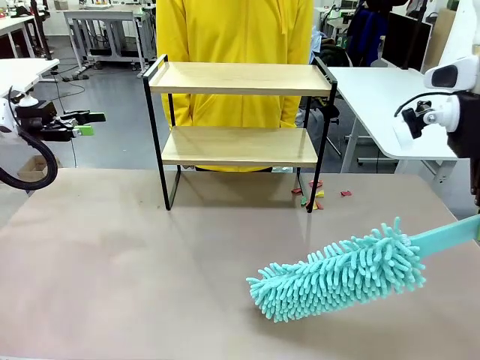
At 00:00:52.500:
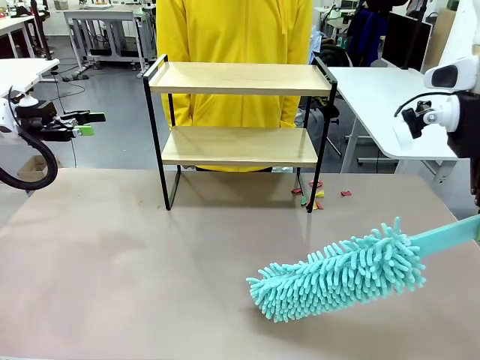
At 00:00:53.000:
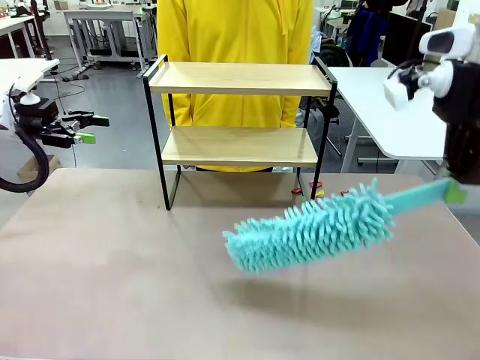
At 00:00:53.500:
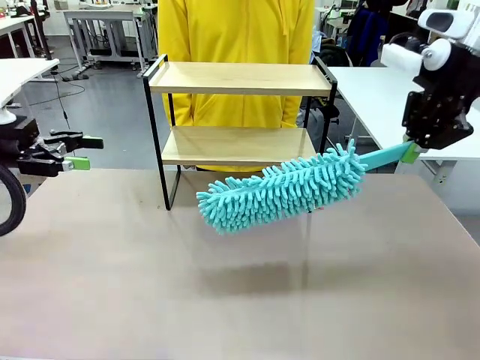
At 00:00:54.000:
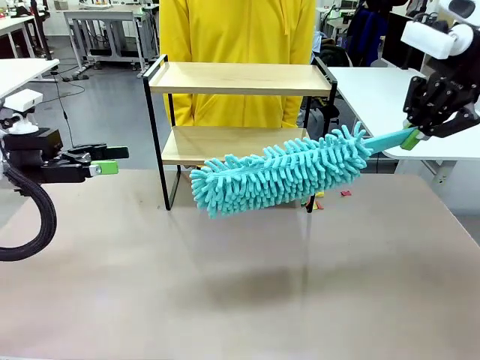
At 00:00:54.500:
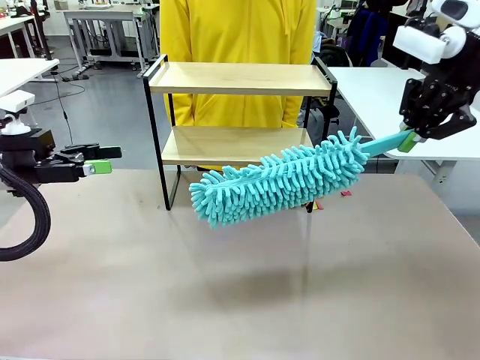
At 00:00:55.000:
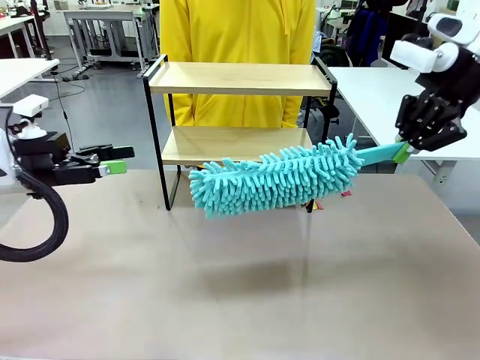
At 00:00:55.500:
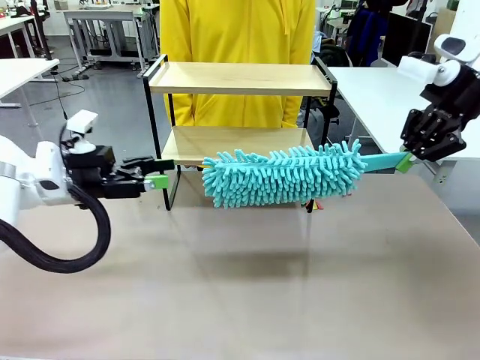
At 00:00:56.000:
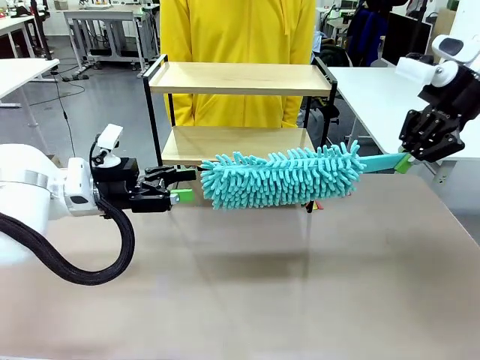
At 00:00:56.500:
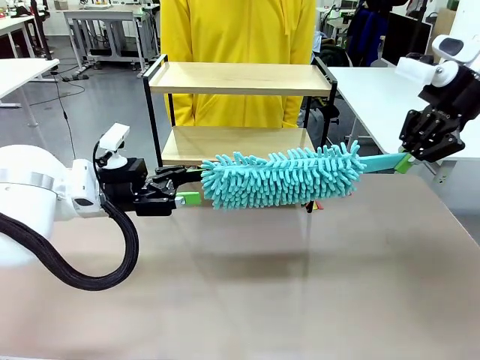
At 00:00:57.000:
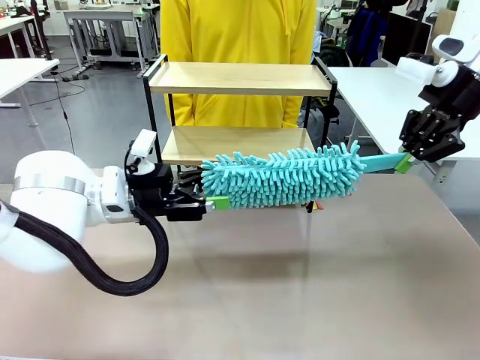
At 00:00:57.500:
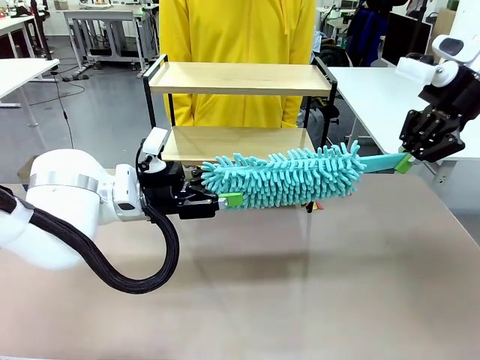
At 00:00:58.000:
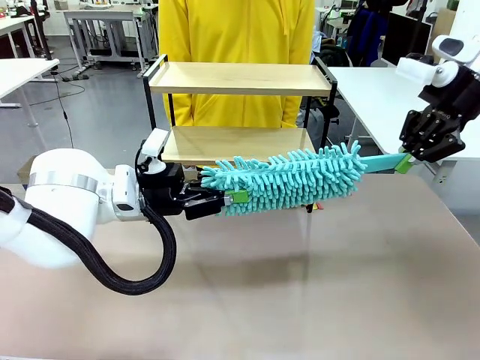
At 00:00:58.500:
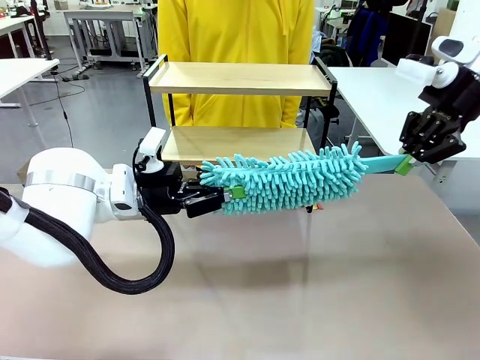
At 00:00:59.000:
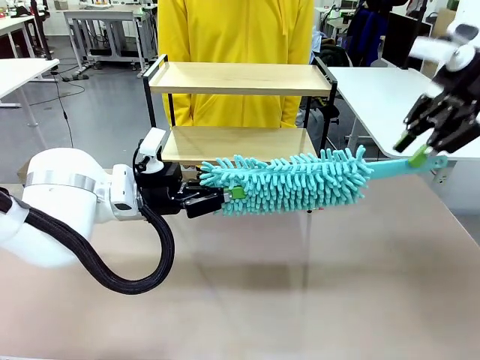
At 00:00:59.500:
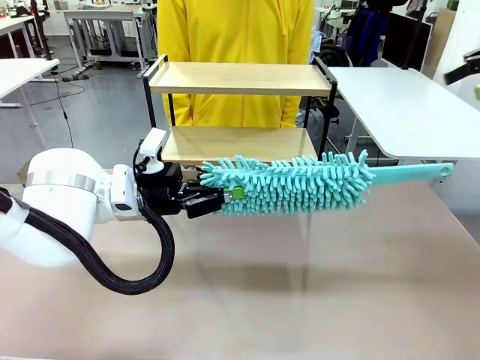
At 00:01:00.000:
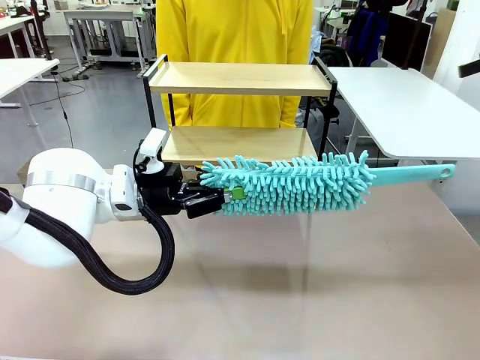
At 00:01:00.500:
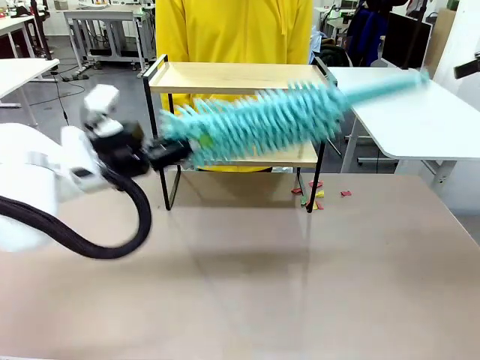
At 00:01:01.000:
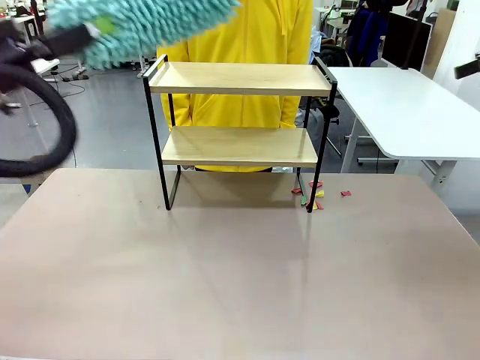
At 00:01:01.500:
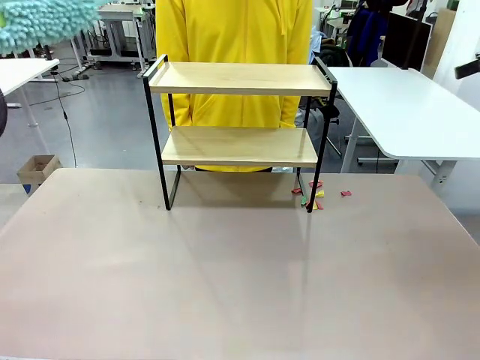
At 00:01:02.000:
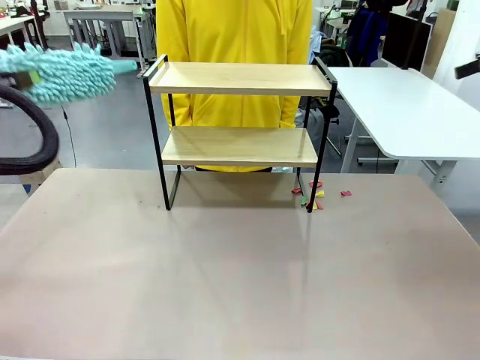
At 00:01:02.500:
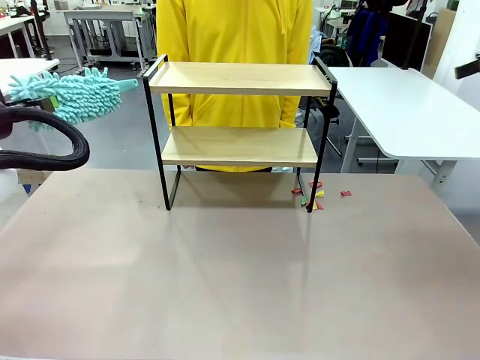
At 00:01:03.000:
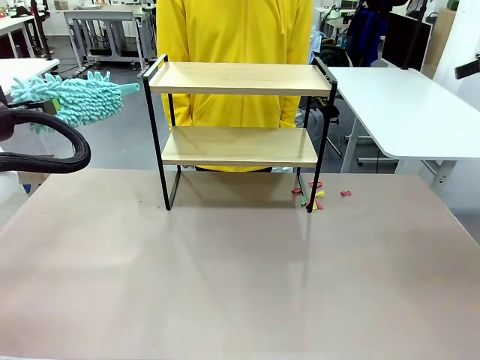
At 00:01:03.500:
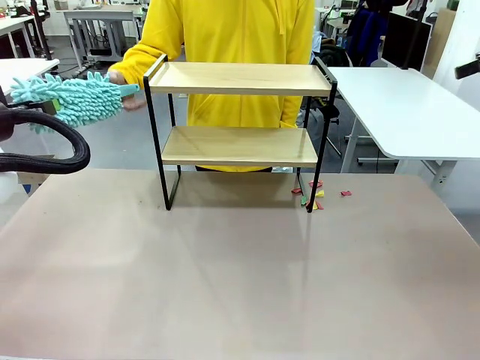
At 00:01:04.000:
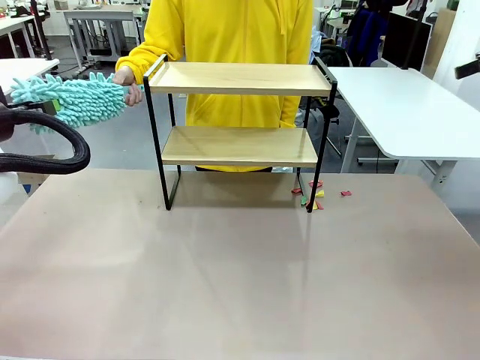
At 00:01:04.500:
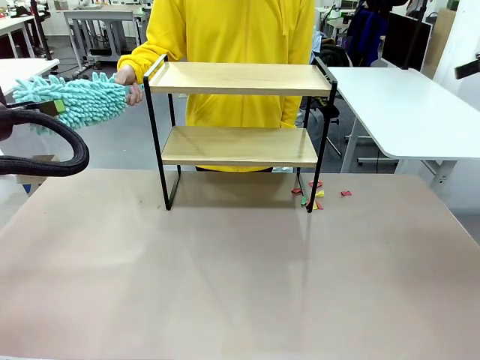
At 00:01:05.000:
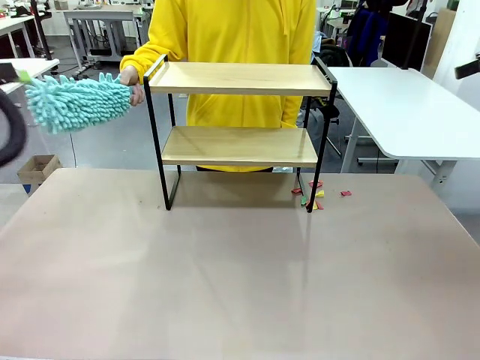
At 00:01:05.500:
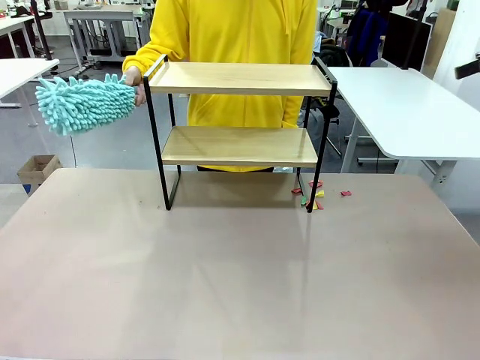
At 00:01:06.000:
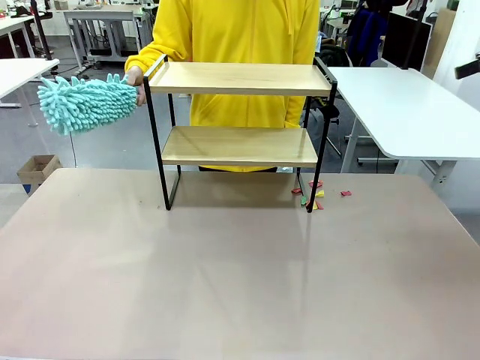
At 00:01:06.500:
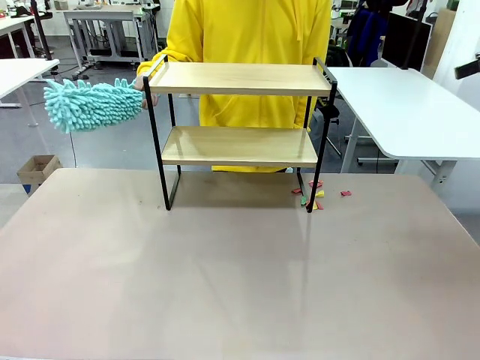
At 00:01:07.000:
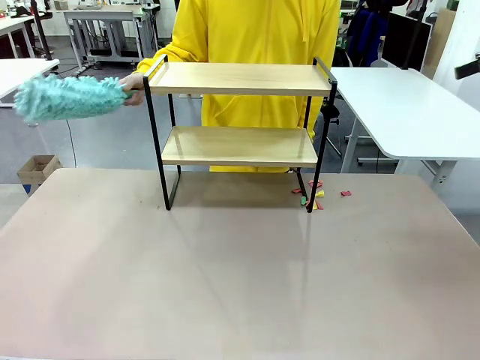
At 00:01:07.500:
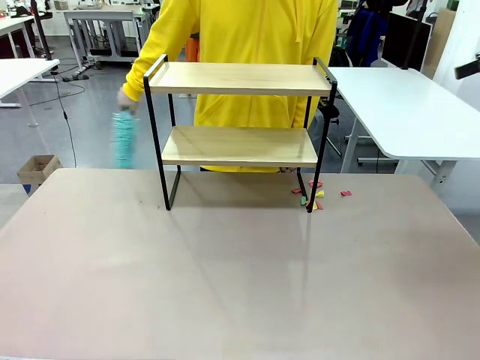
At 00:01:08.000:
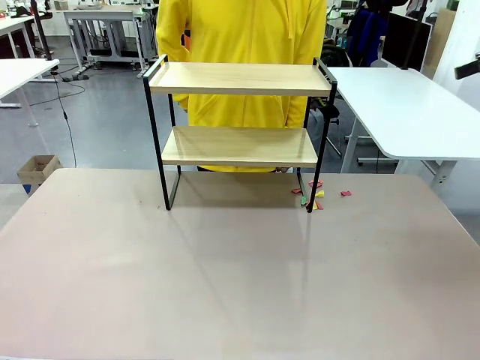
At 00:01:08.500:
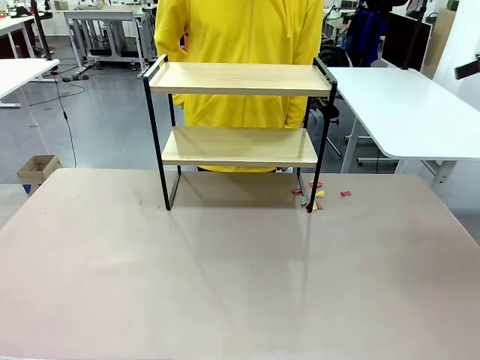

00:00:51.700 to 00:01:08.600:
Task: Clean the shelf.
Robot: Hand the Duster back to the human.
Person: Receive the Duster from the robot.

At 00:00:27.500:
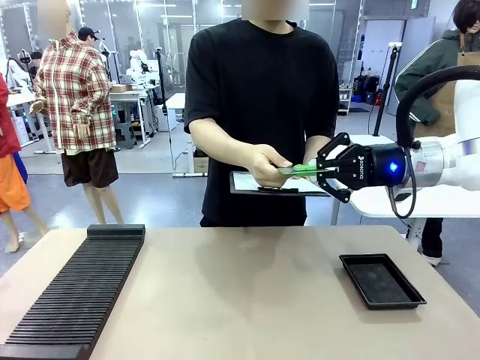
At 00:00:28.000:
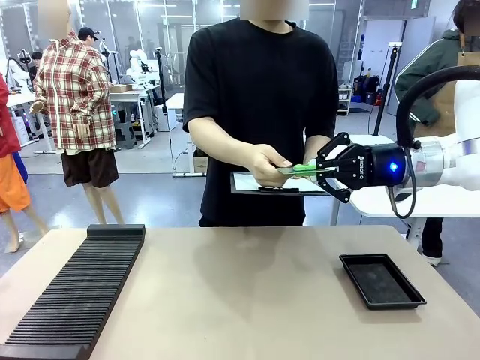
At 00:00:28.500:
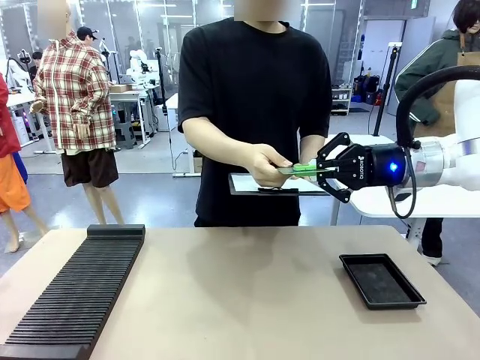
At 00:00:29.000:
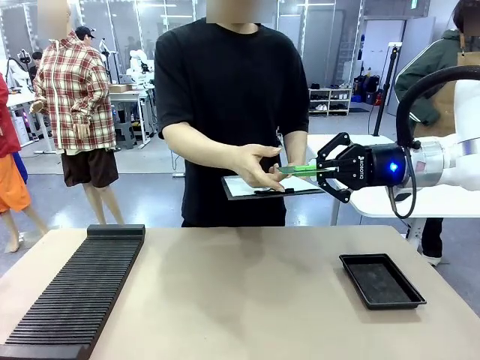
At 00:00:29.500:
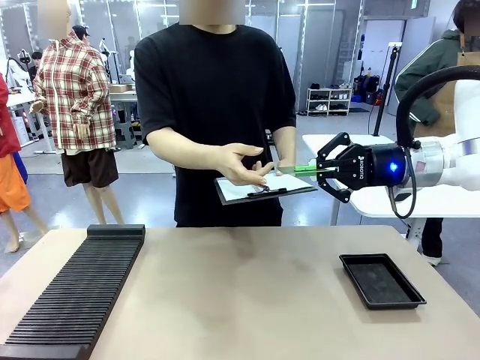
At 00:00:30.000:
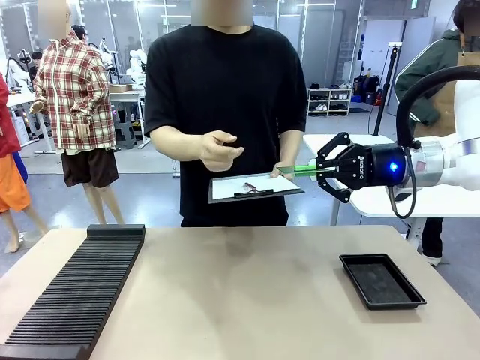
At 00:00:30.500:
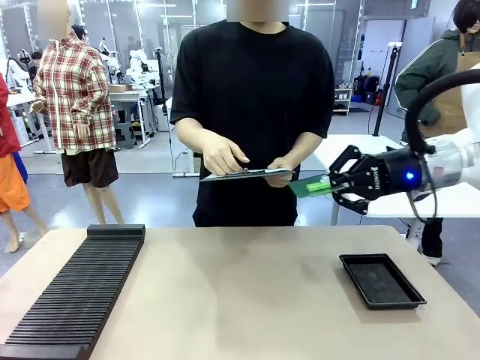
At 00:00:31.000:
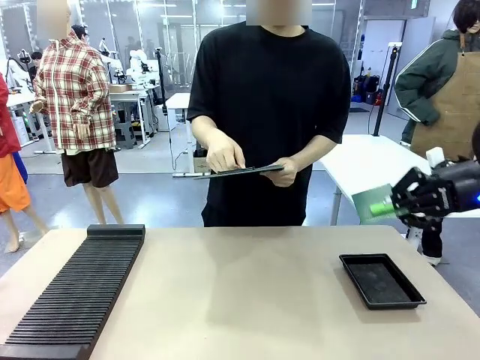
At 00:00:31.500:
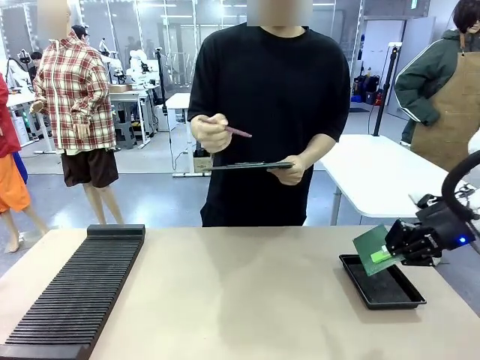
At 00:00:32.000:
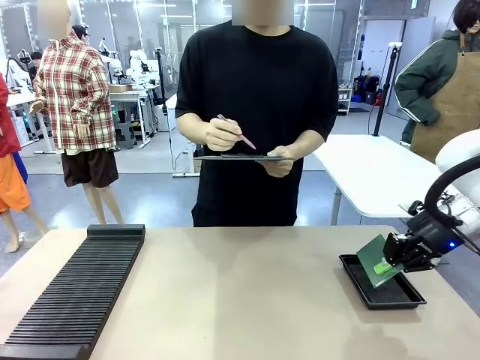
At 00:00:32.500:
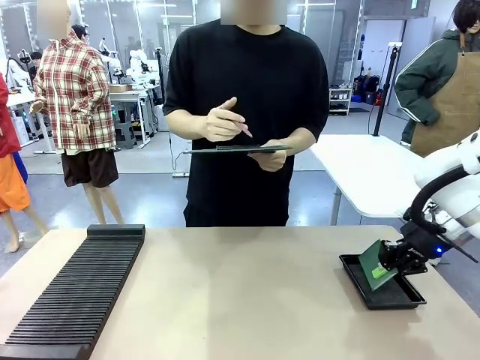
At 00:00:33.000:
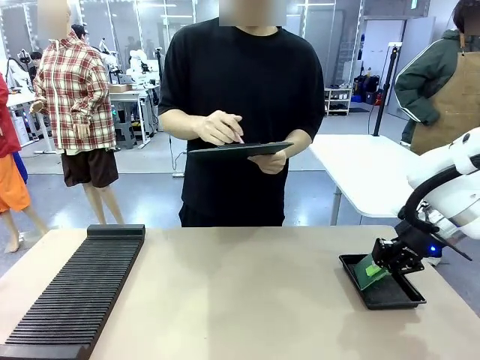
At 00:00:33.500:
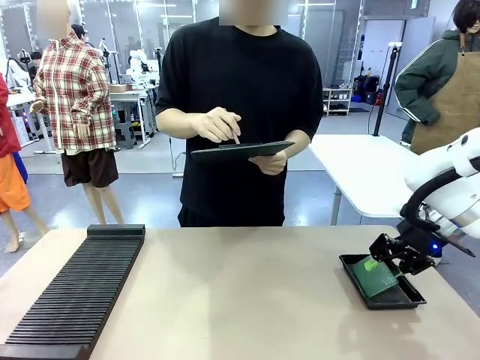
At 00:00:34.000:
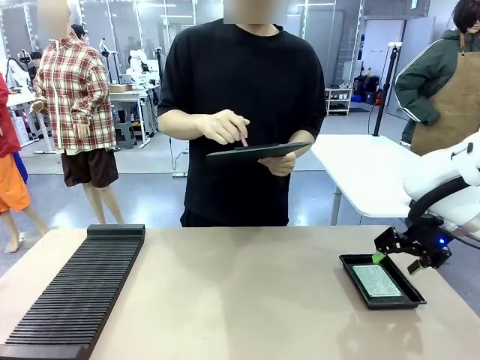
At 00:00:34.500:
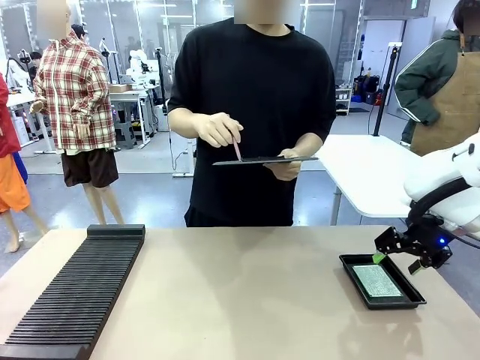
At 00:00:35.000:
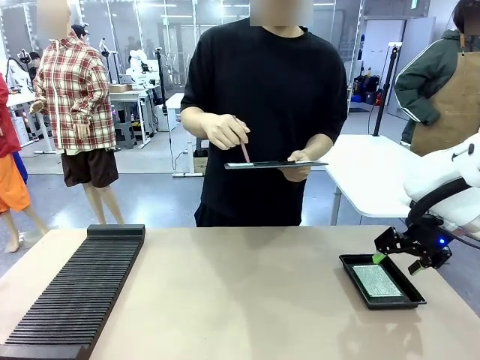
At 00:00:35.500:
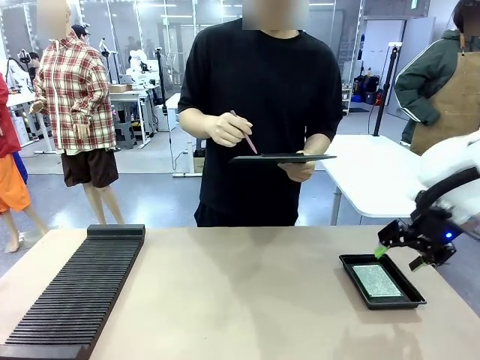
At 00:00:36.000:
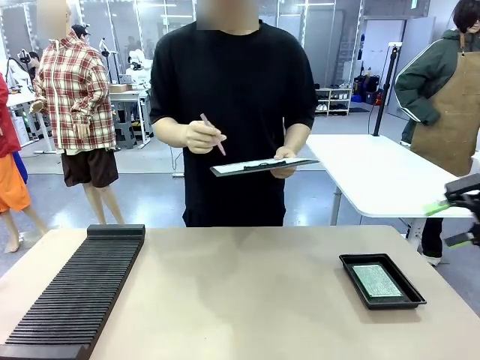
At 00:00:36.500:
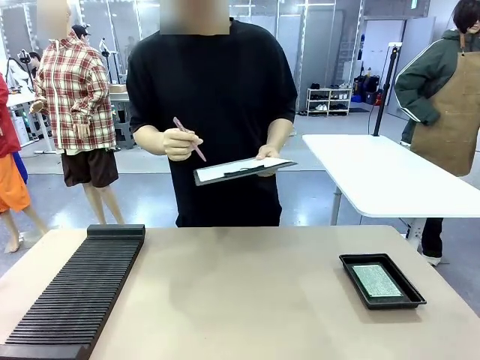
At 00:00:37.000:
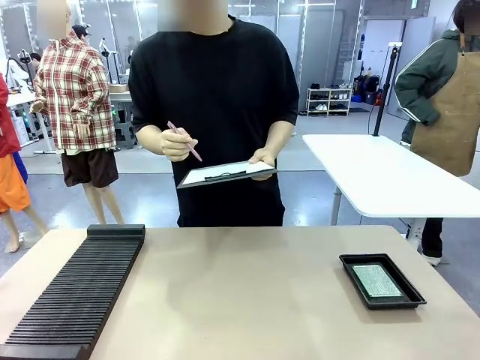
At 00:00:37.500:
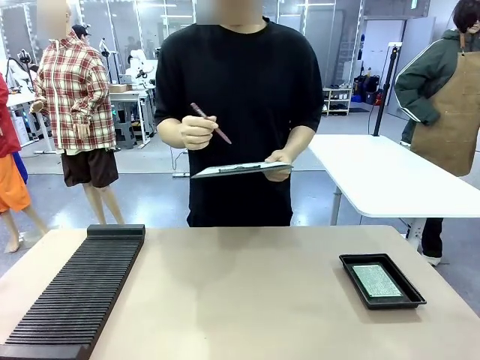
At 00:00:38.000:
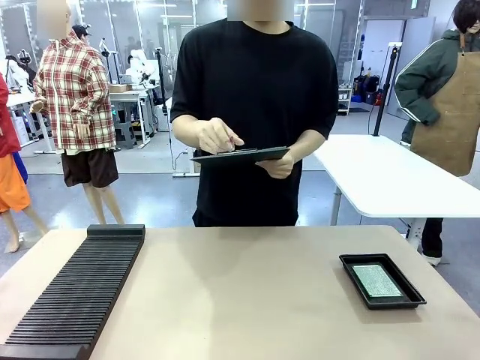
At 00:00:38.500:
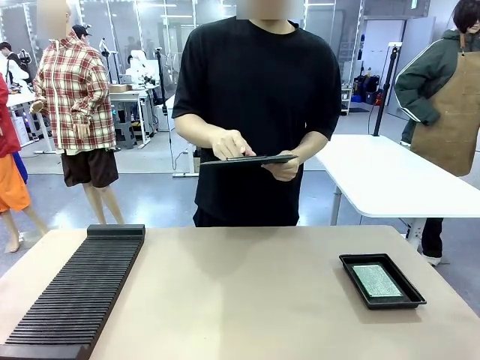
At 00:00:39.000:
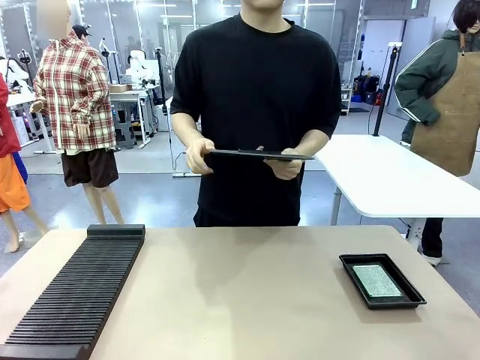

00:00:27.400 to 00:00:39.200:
Task: Inspect the PCB.
Robot: Place the Blank PCB in the ESD tray.
Person: Record the PCB status on the paper.
